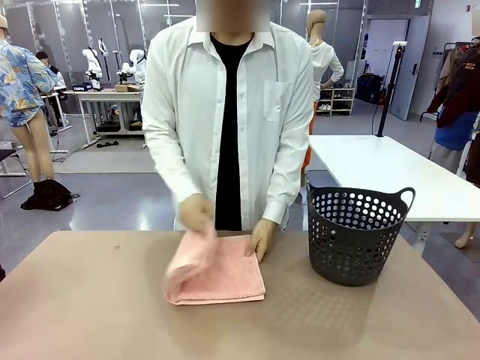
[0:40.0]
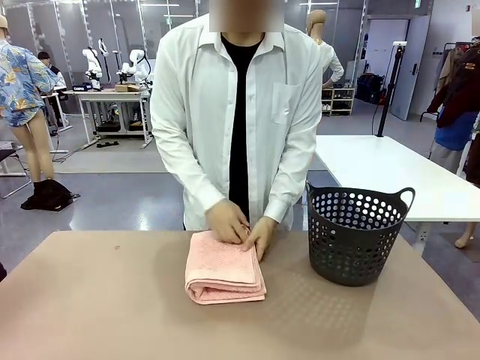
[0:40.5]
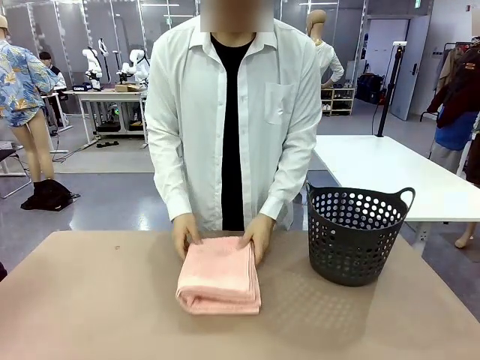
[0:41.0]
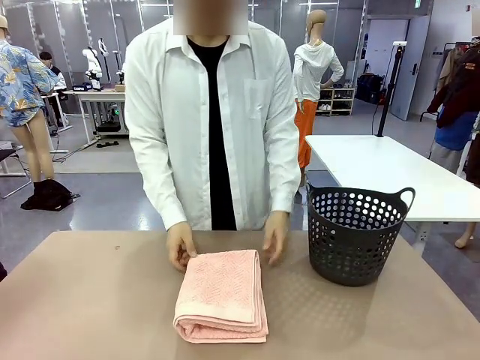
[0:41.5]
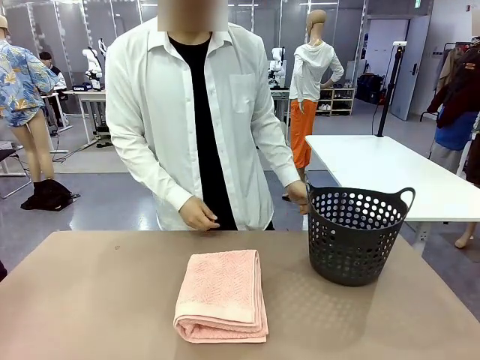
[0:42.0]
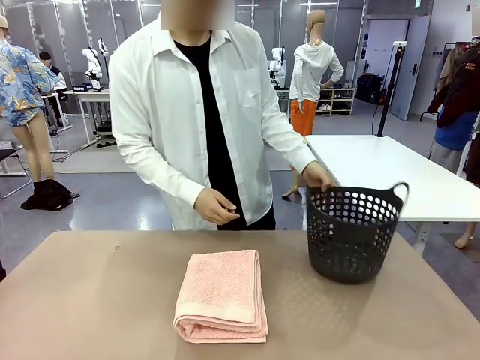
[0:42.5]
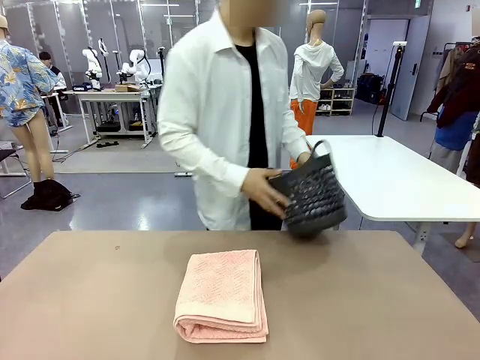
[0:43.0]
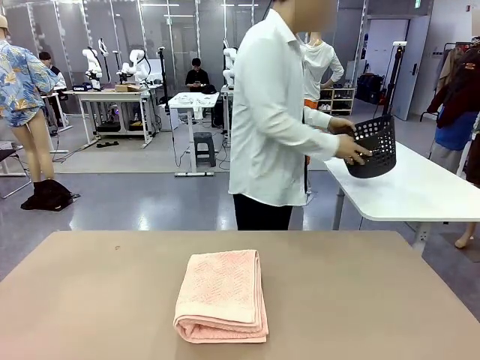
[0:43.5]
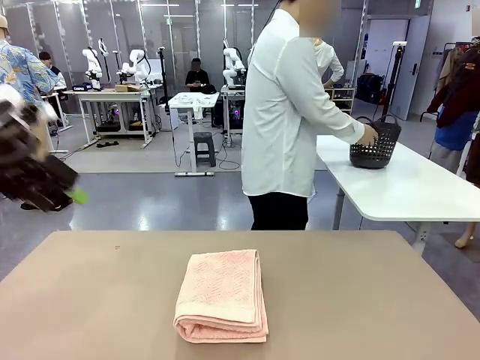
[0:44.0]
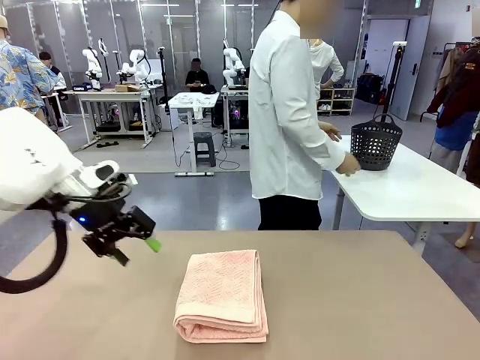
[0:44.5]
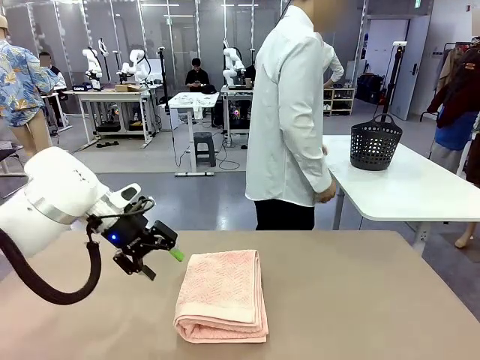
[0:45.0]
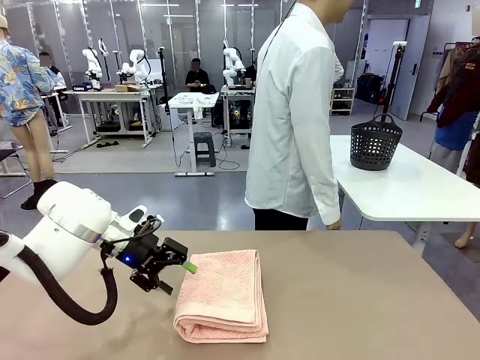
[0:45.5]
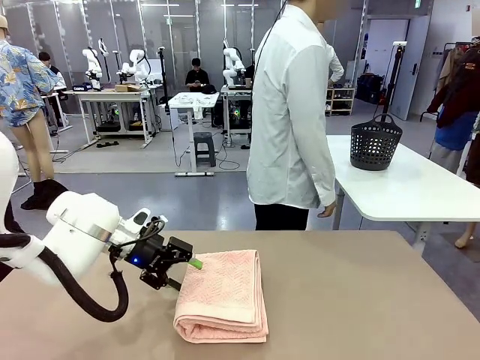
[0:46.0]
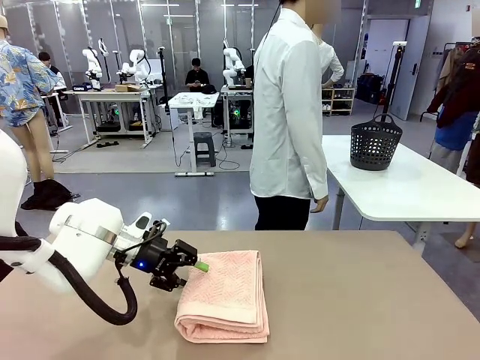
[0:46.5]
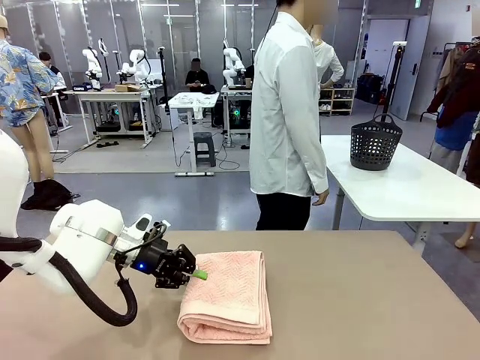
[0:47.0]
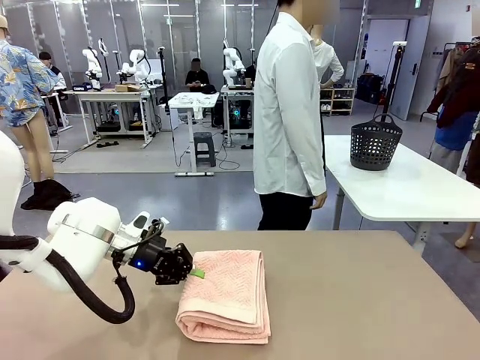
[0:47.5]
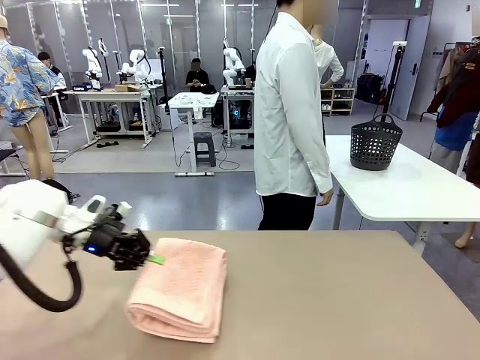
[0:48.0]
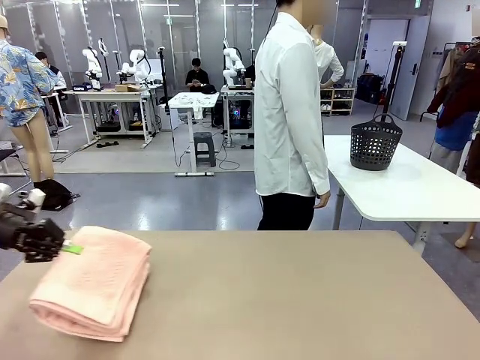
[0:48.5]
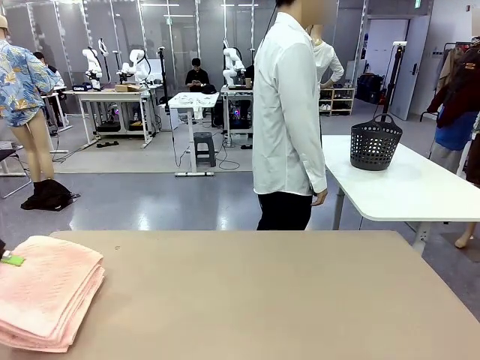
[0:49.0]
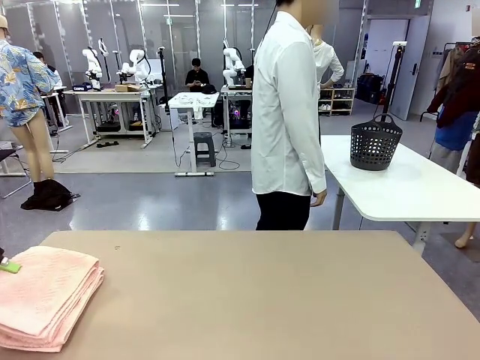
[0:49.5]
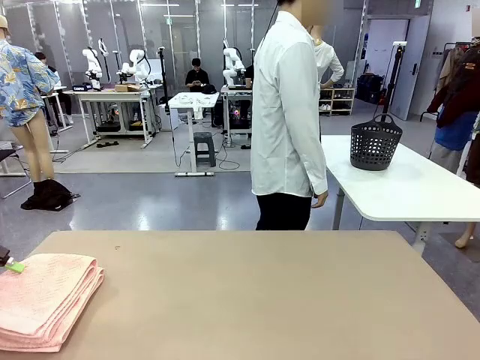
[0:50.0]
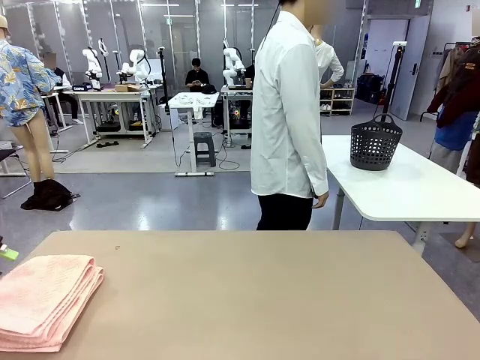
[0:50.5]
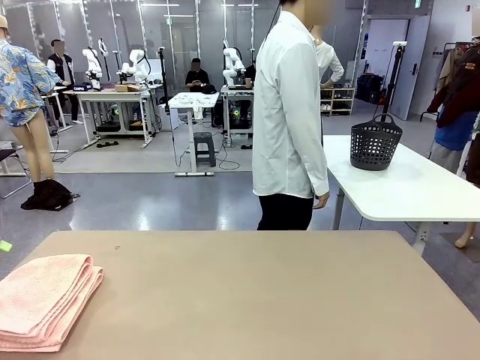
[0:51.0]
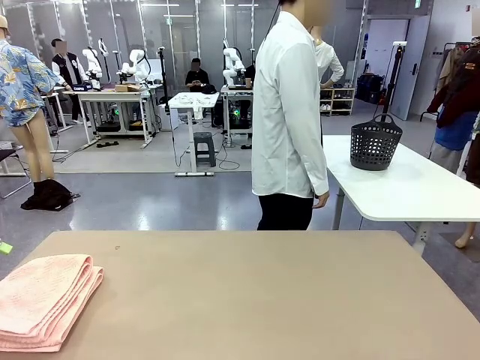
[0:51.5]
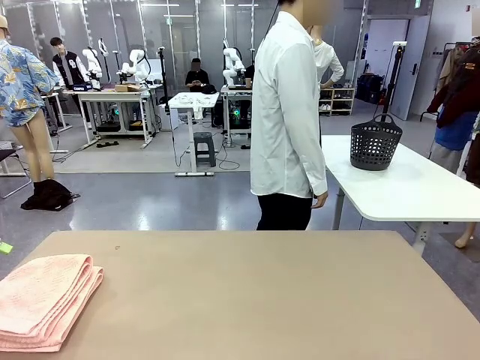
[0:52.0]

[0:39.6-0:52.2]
Task: Fold the towel.
Robot: Pick up the 100 cm Hotel Towel and place it on the left side of the table.
Person: Pick up the laundry basket and place it at the center of the human table.

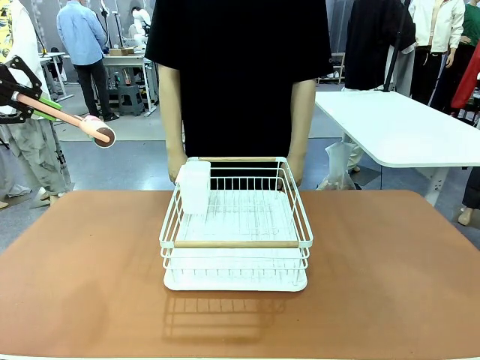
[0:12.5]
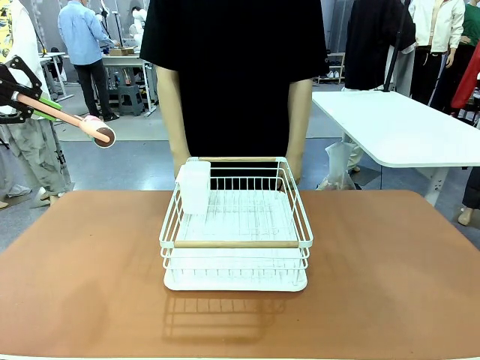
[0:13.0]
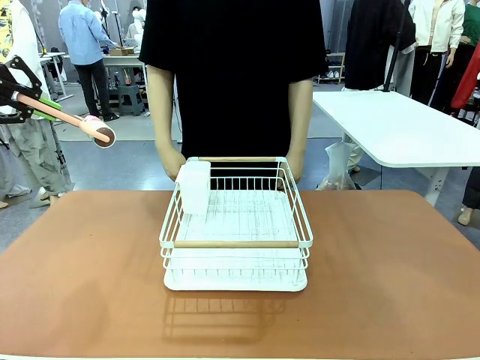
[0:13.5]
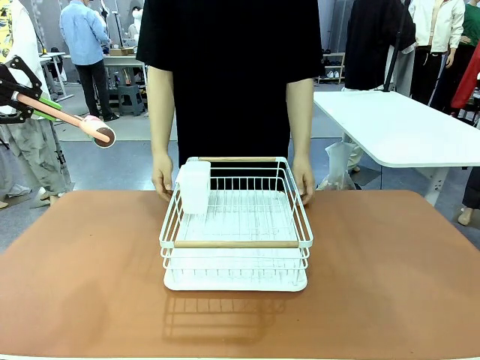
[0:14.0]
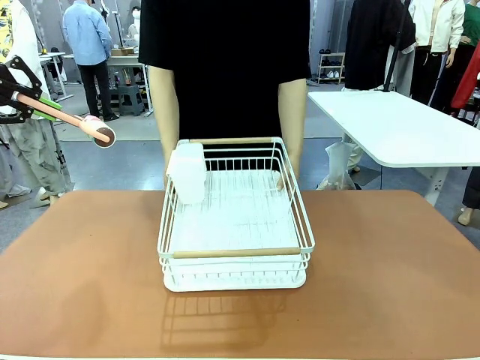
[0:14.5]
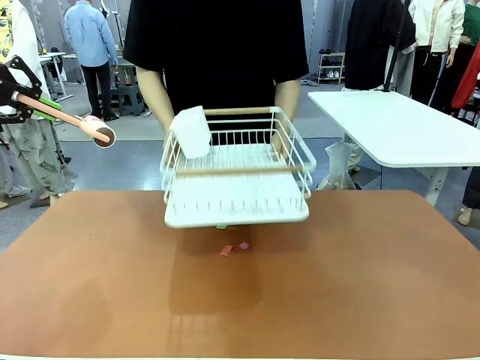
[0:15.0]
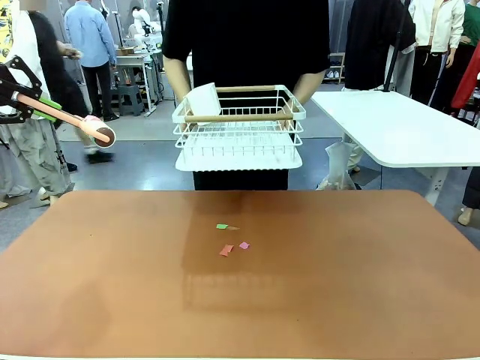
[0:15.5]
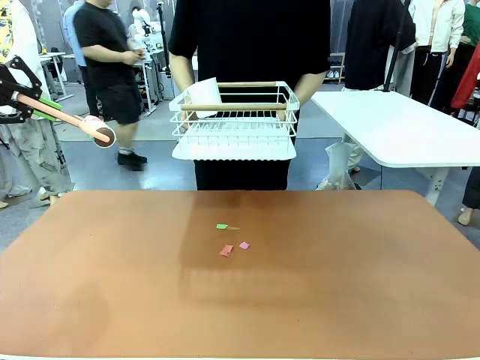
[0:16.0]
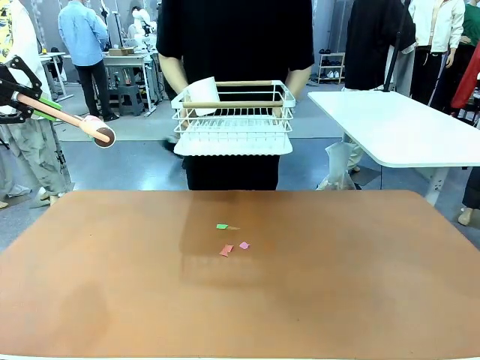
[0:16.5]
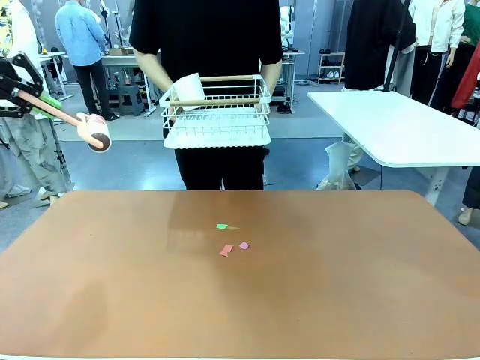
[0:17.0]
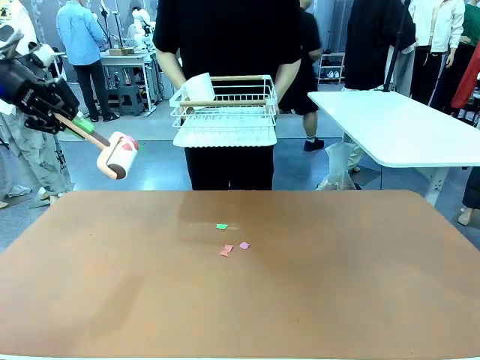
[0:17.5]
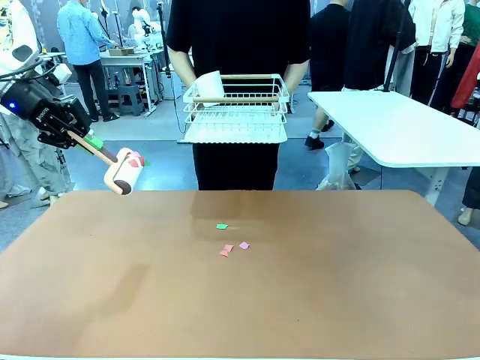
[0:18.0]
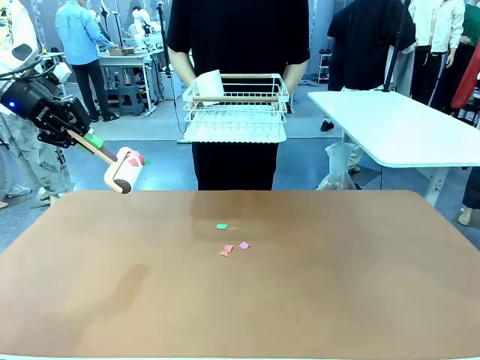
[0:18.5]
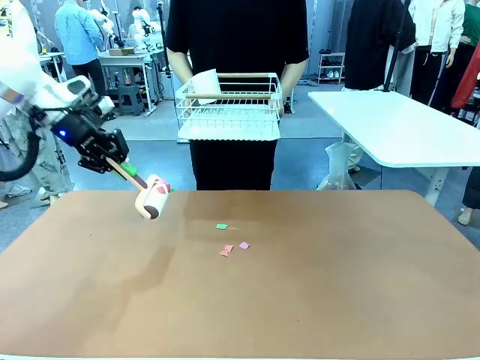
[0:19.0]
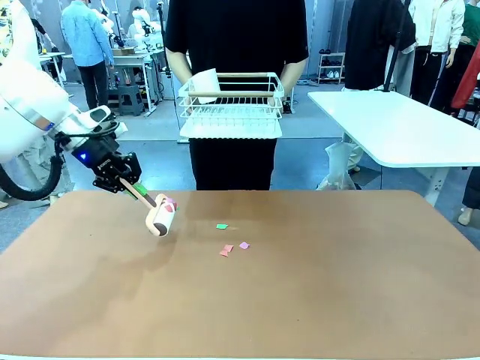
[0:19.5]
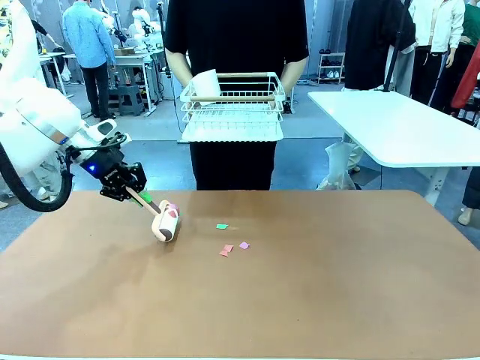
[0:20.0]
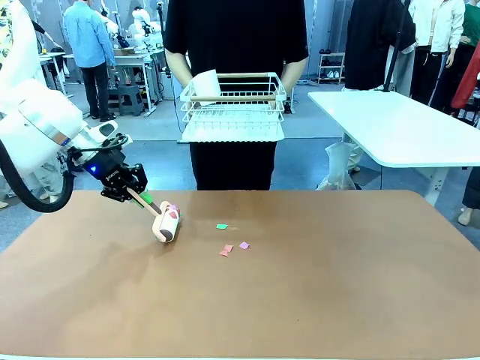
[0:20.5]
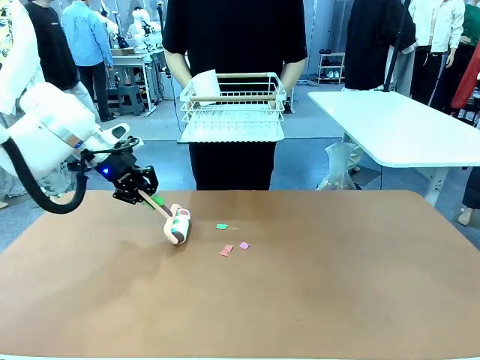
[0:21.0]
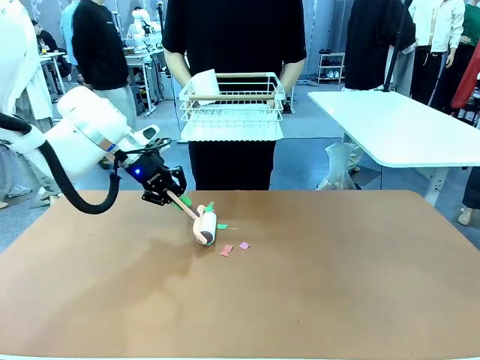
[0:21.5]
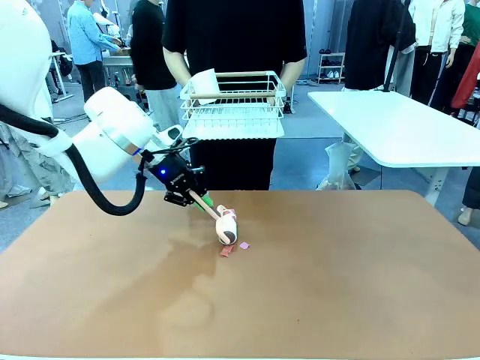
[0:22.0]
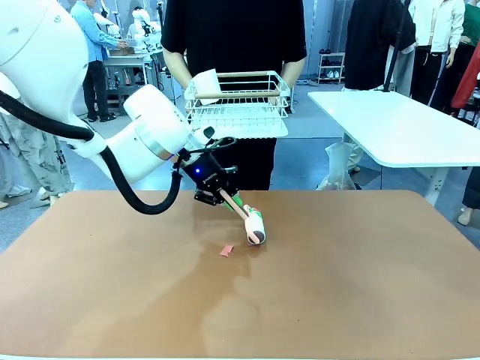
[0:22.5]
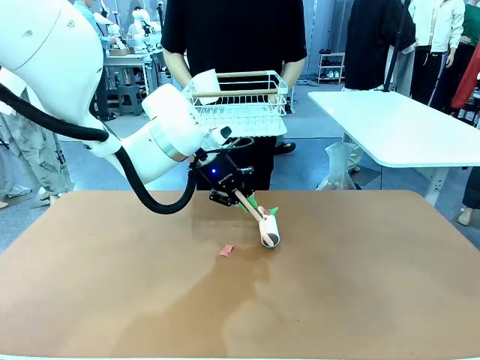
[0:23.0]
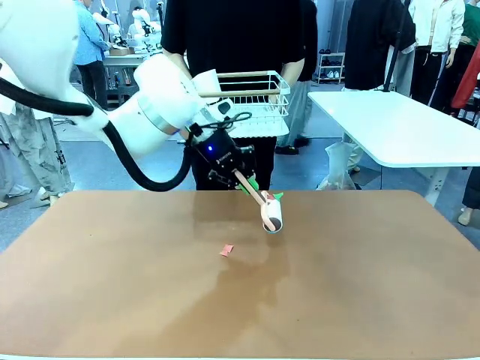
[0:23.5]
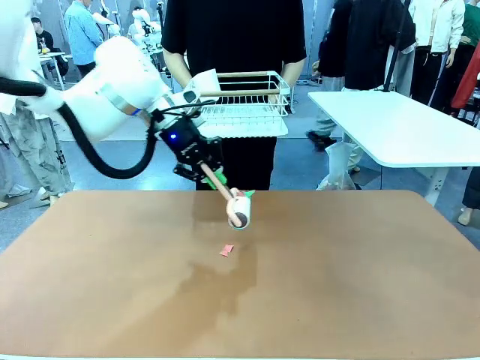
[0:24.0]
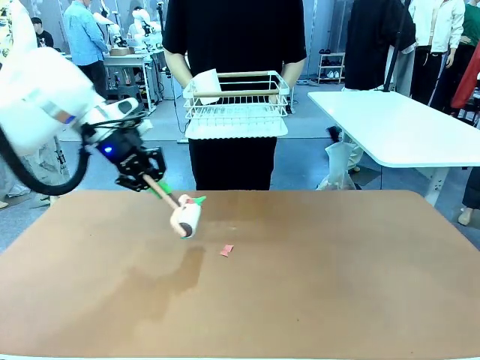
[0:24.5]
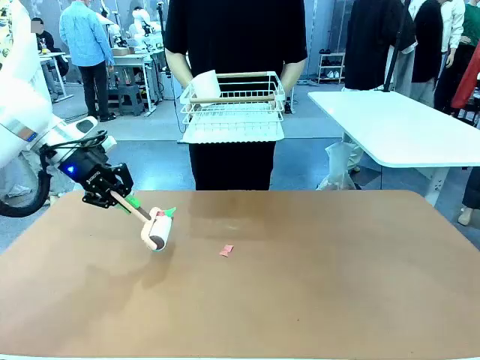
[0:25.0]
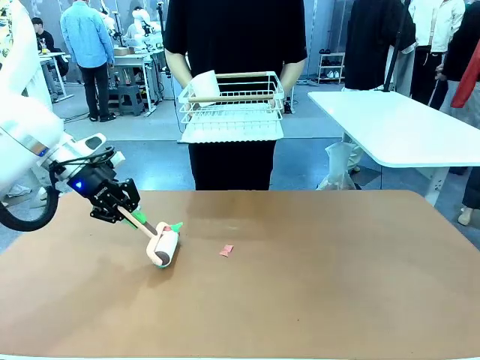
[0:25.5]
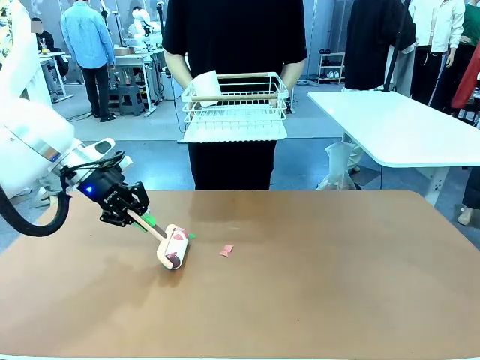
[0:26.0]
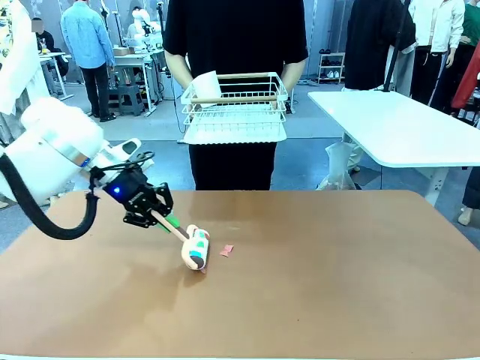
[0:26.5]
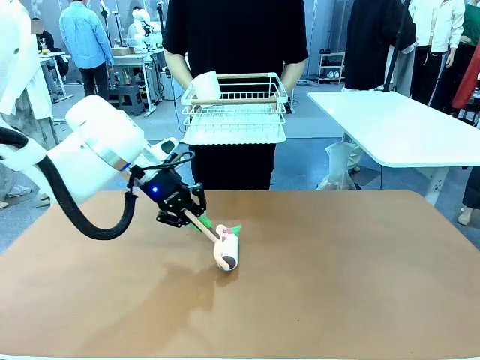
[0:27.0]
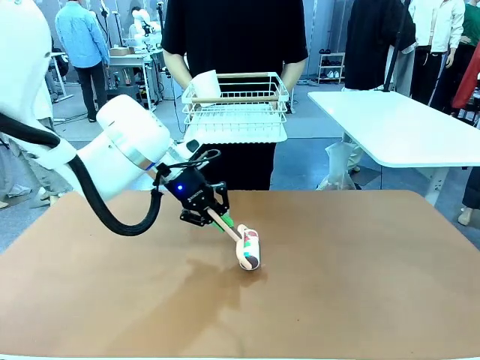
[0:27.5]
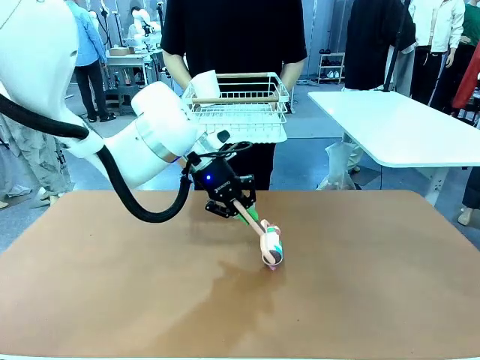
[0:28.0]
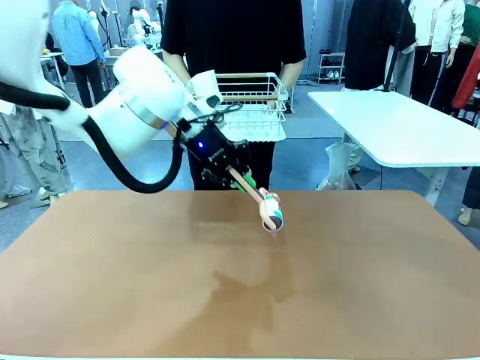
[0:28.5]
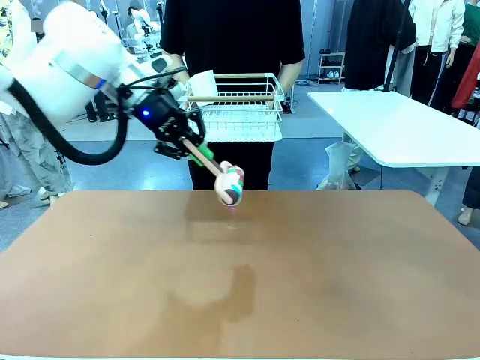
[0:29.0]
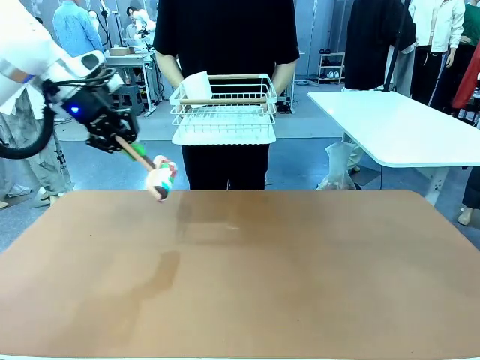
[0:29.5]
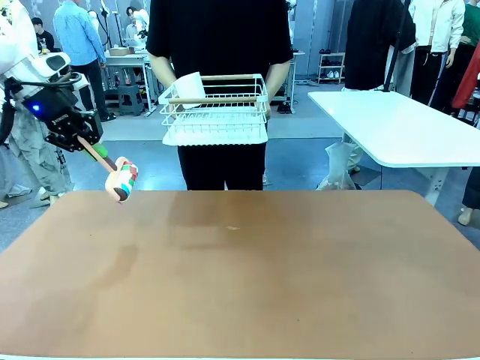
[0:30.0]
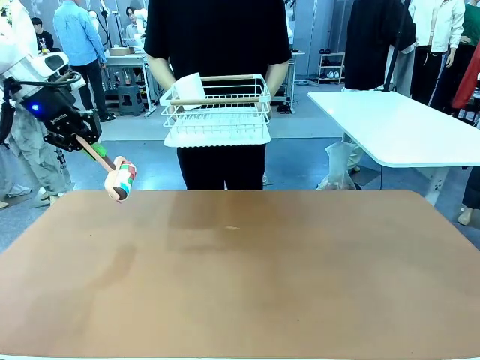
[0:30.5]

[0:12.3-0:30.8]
Task: Clean the table.
Robot: Clean the table with the Lint Roller when the human lifts the Dish drying rack.
Person: Place the Dish drying rack down when the robot finishes cleaning.
